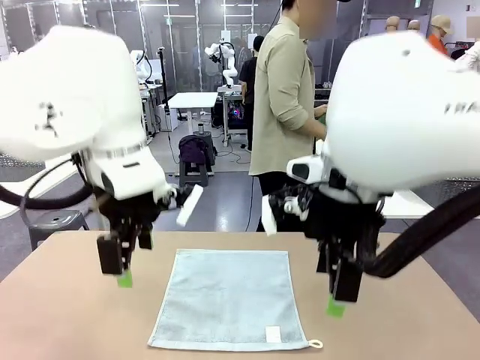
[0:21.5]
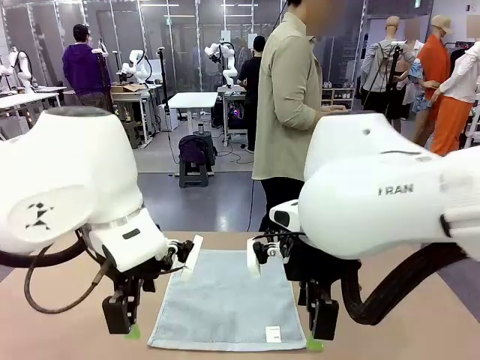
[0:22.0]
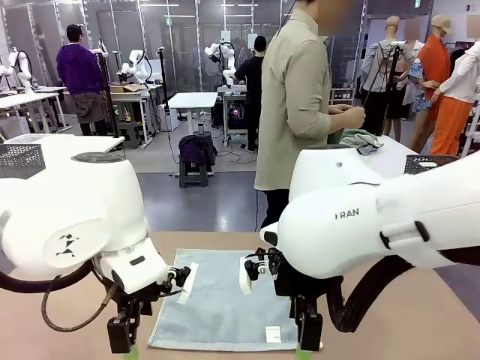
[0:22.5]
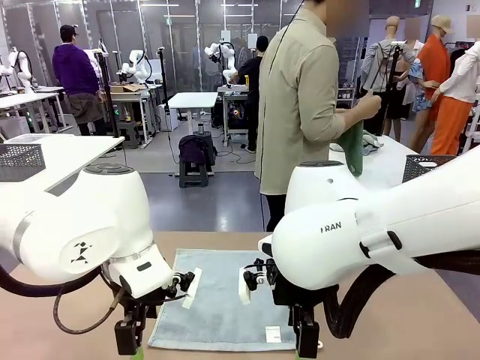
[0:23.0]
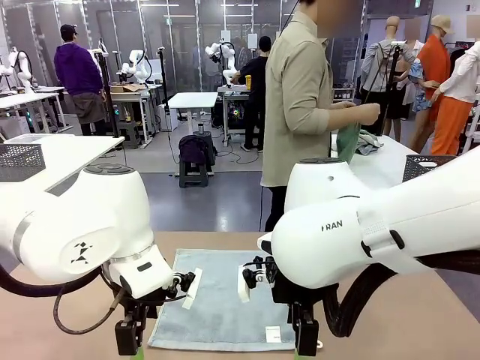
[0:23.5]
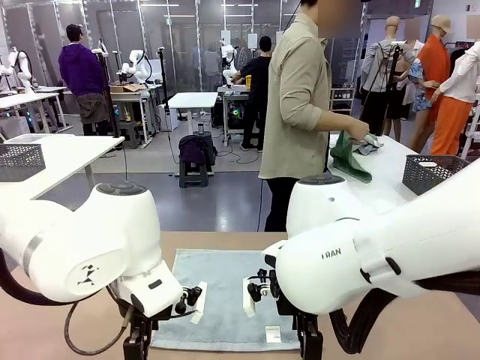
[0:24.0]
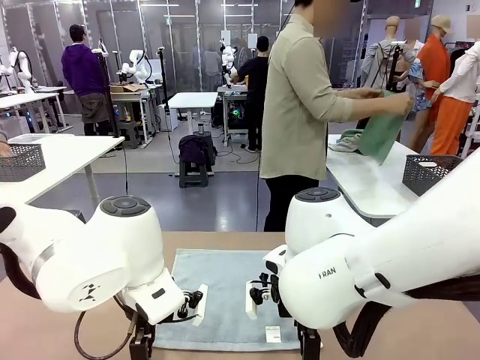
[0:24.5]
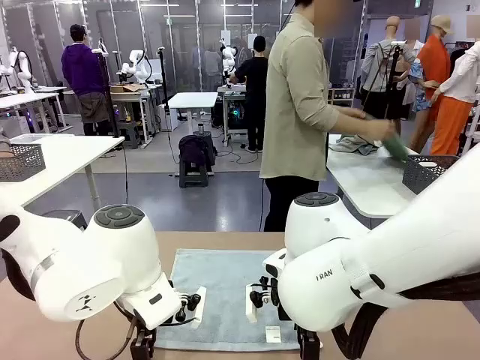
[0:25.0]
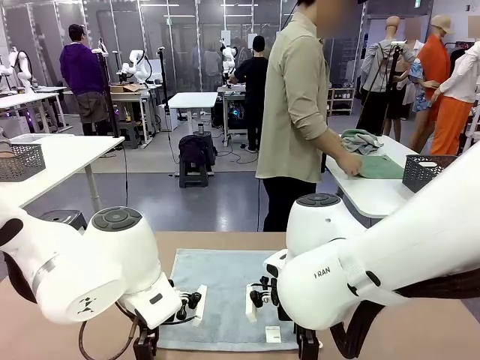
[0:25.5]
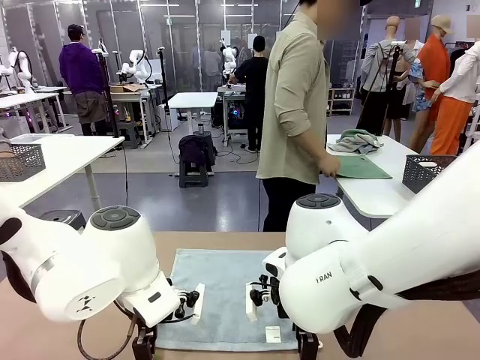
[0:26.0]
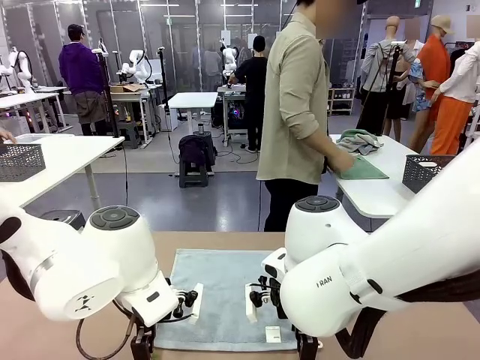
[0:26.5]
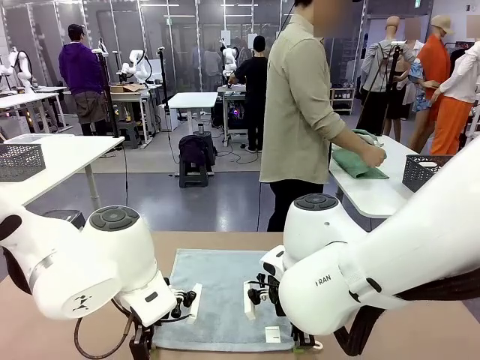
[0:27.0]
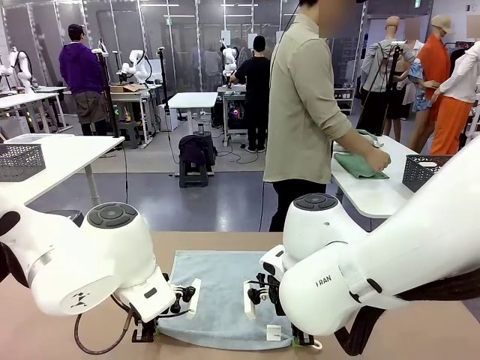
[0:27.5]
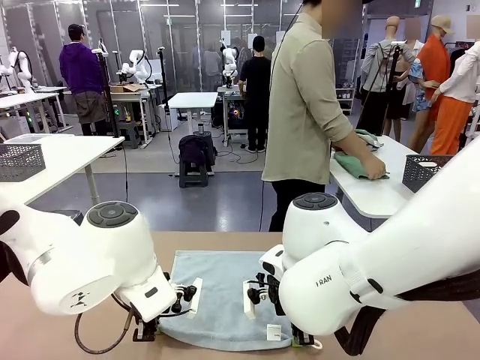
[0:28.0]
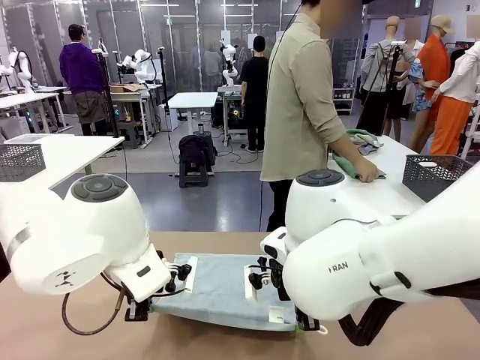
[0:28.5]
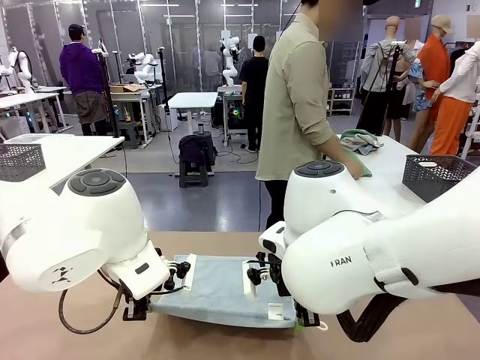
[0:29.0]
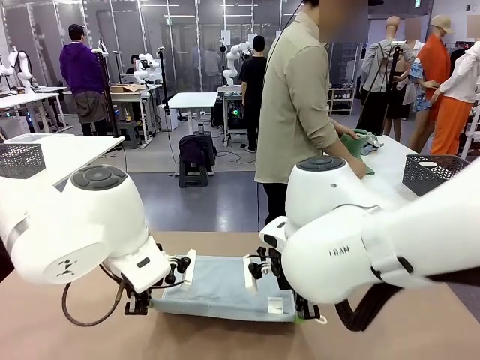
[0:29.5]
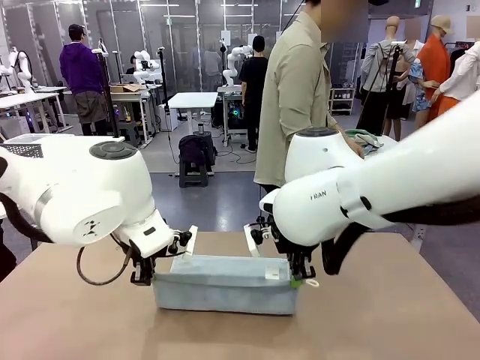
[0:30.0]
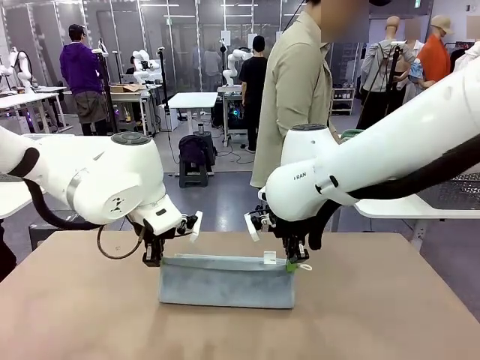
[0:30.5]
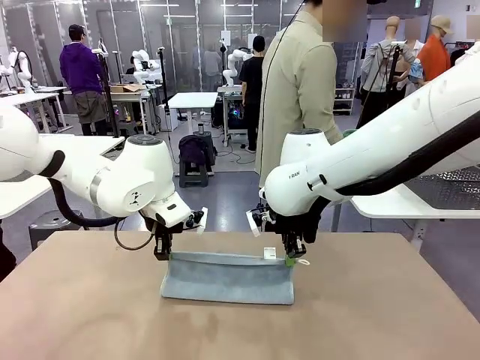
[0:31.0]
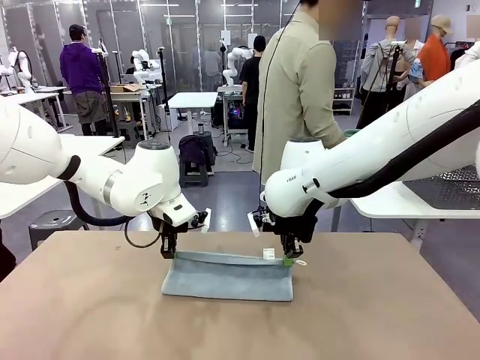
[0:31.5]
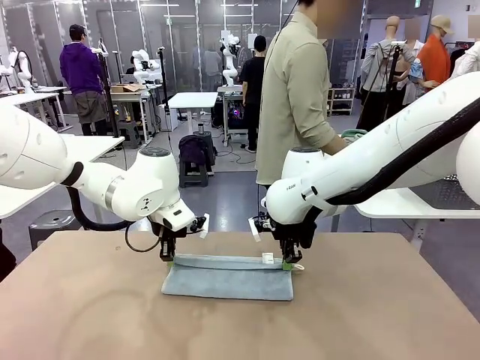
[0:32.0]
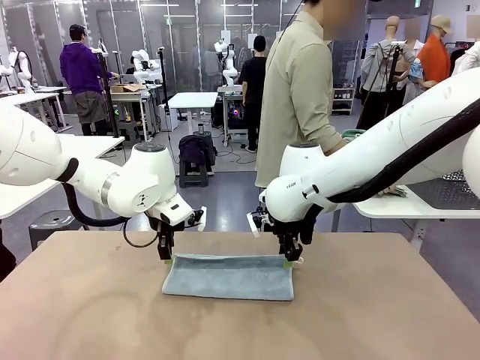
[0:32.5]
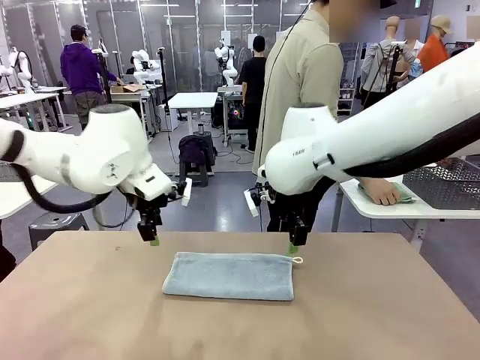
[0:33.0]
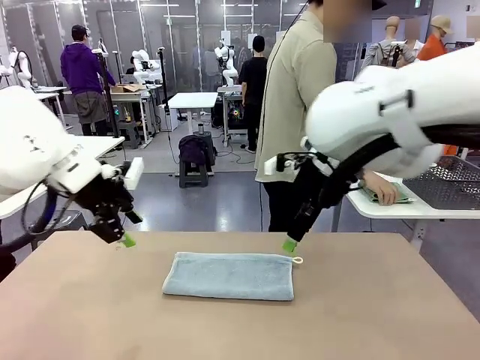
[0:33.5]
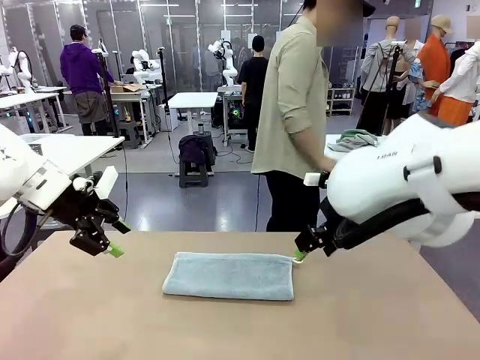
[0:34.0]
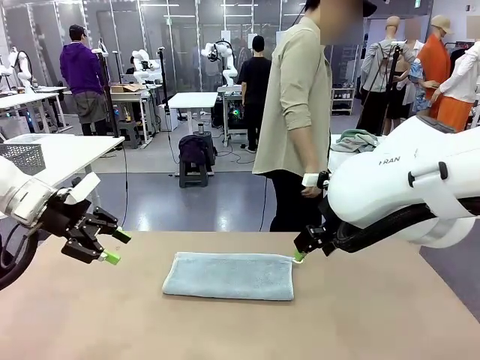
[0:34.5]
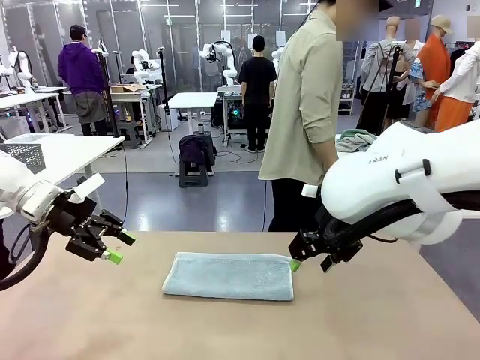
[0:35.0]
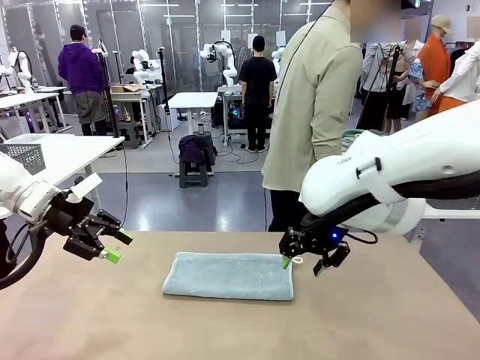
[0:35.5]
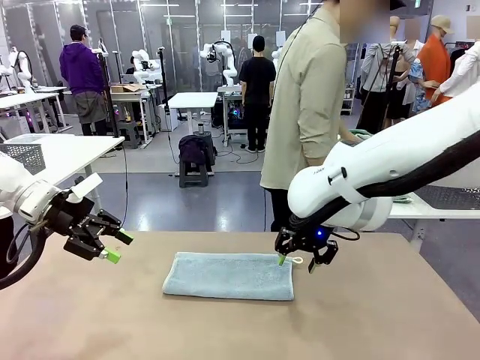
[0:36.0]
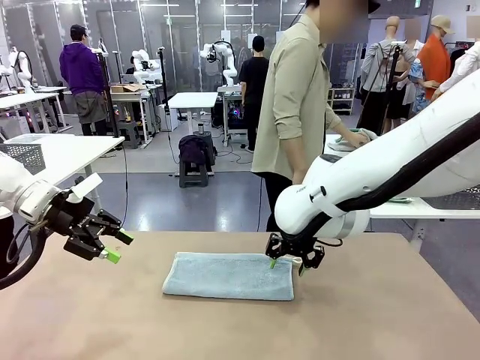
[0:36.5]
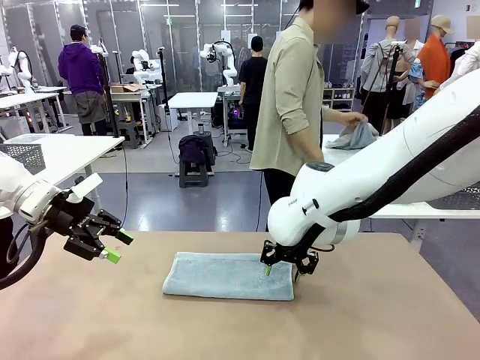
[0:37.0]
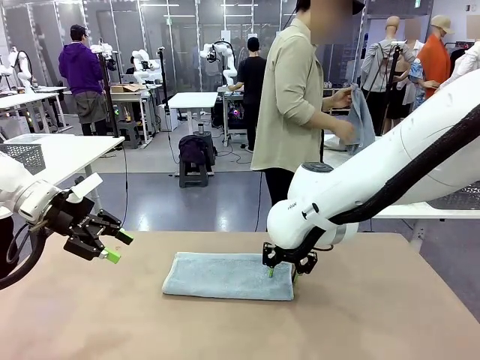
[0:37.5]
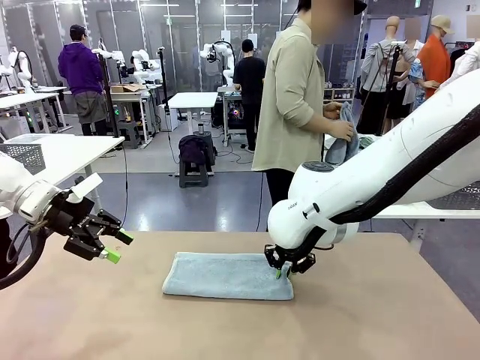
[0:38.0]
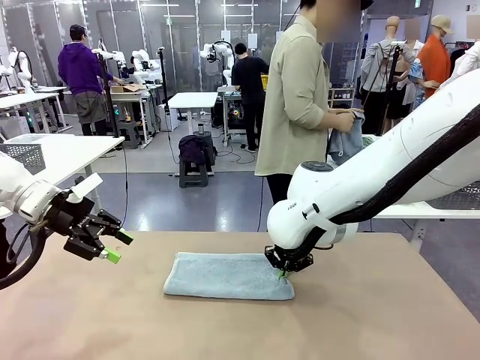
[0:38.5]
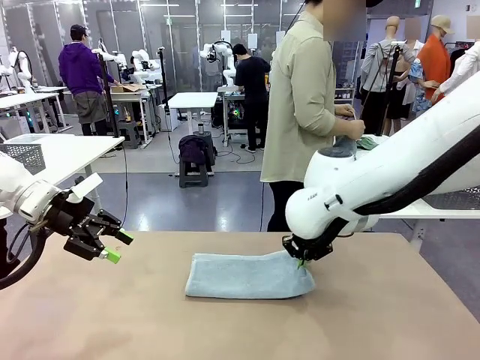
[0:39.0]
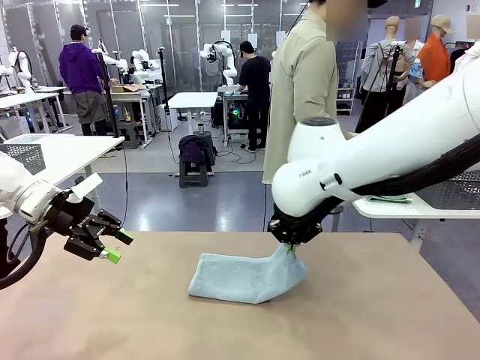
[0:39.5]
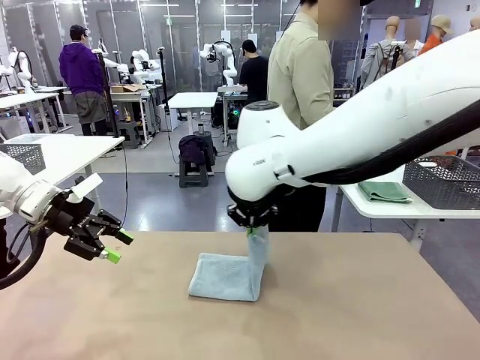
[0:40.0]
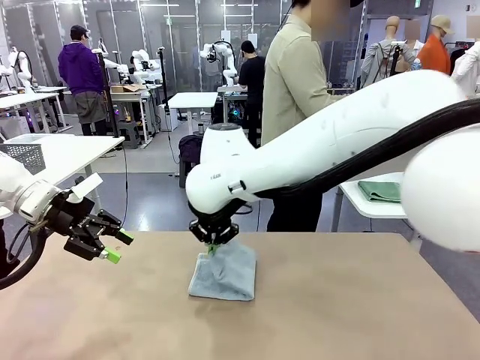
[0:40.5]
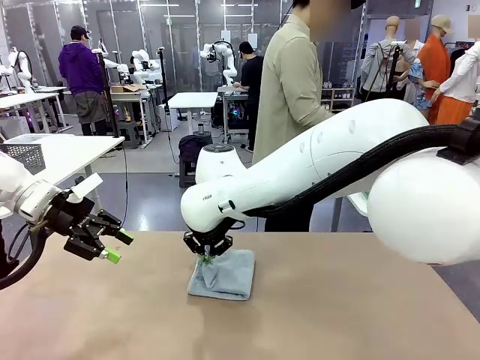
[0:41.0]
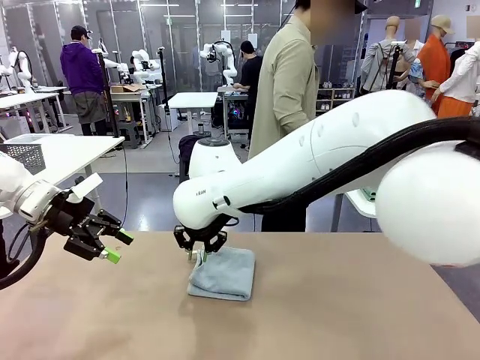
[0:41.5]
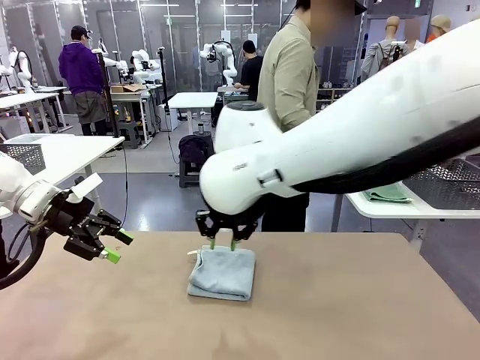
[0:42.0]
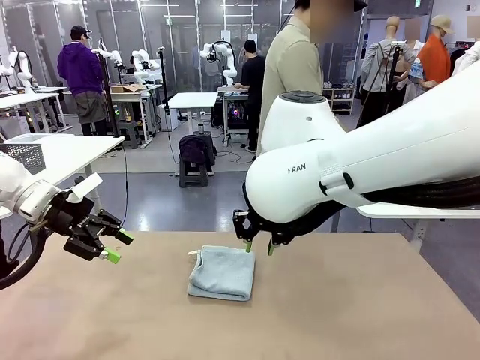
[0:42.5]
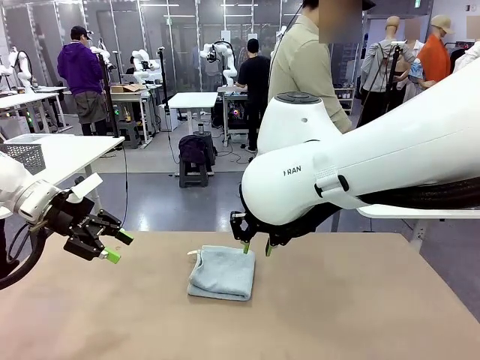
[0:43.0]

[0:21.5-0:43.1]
Task: Fold the towels and place them in the basket.
Robot: When a person lays out a Towel with hook on the table, fold it in half twice.
Person: Pick up one towel from the left side of the human table, fold it in half twice, and place it on the right side of the table. Pick up one towel from the left side of the human table, fold it in half twice, and stack it on the right side of the table.

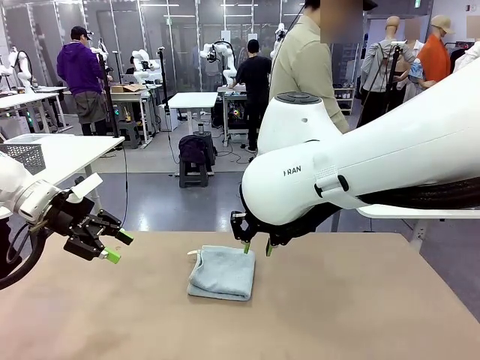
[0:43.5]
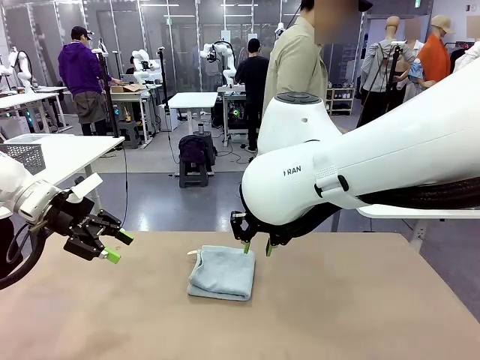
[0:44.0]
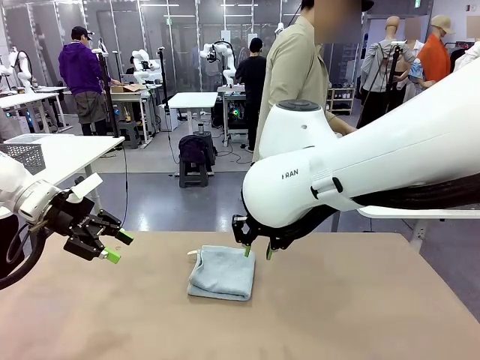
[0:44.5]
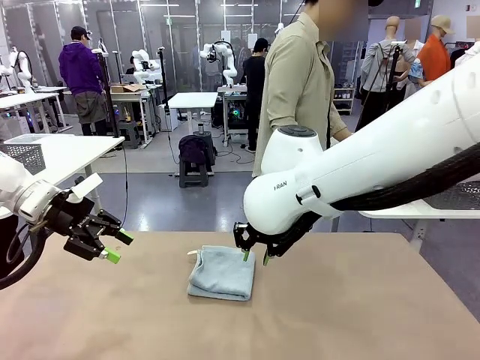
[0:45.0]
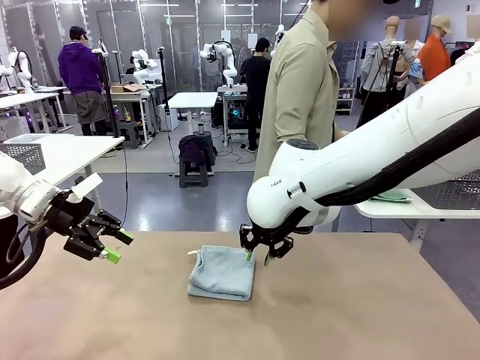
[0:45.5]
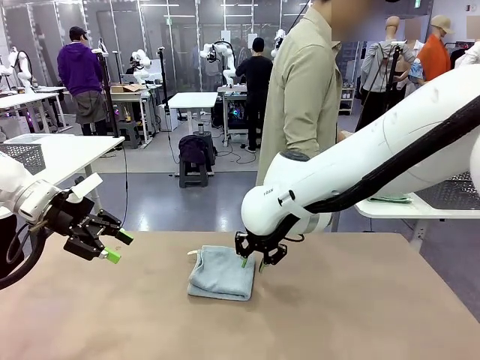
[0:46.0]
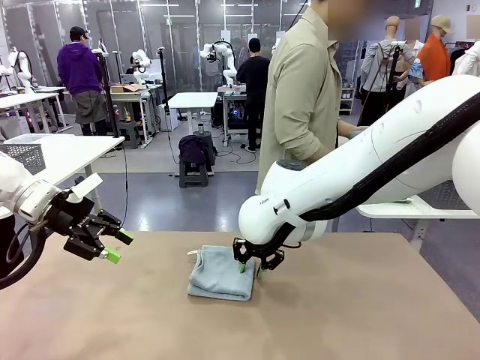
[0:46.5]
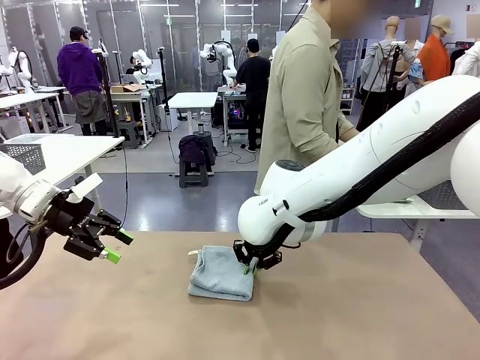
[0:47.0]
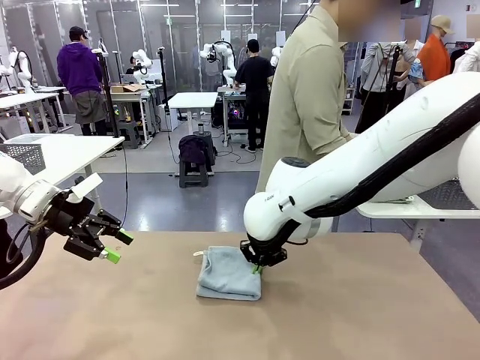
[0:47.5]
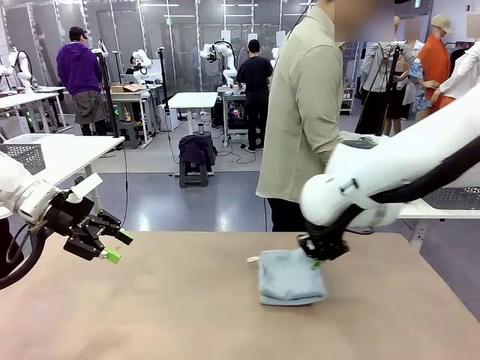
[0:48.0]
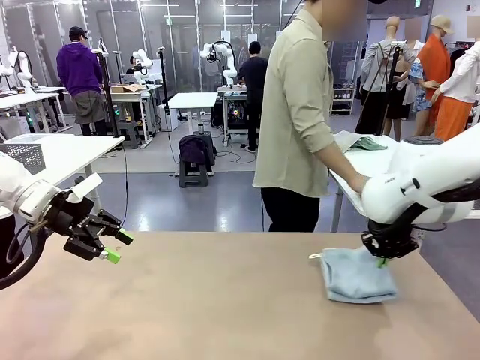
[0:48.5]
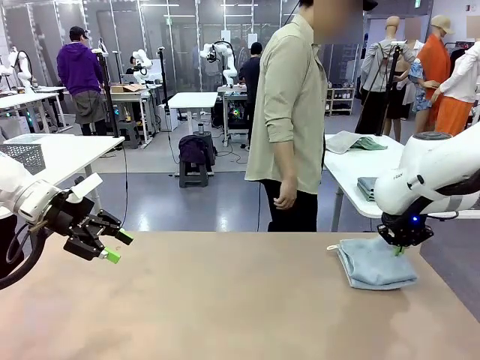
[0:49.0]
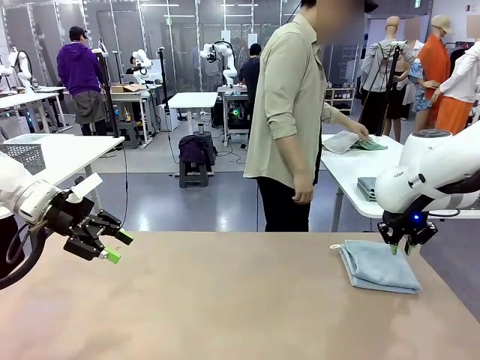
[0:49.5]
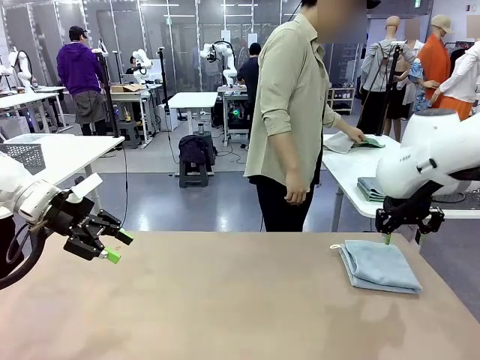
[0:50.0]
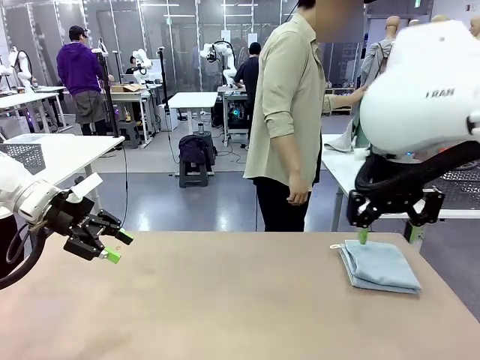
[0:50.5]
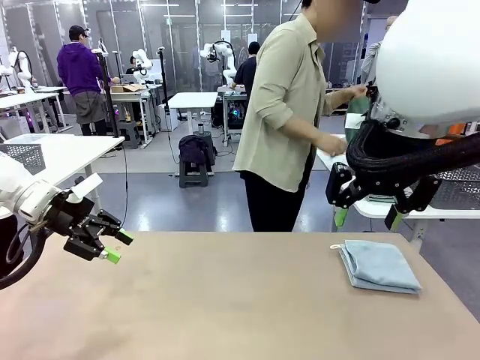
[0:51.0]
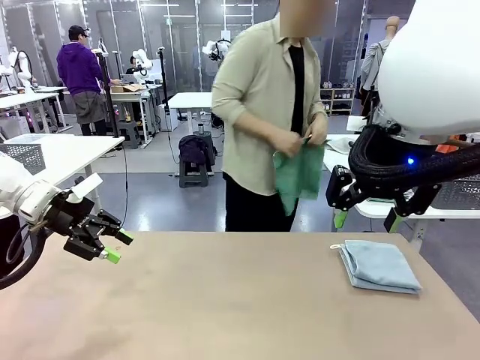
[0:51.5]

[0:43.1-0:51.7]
Robot: Place the folded Towel with hook on the right side of the table.
